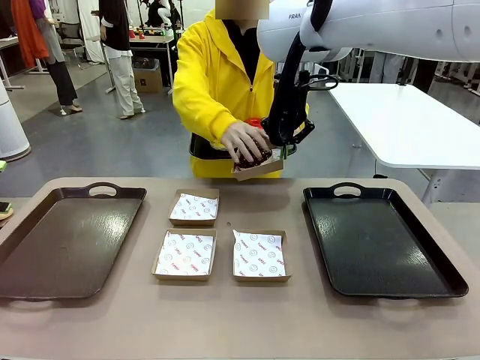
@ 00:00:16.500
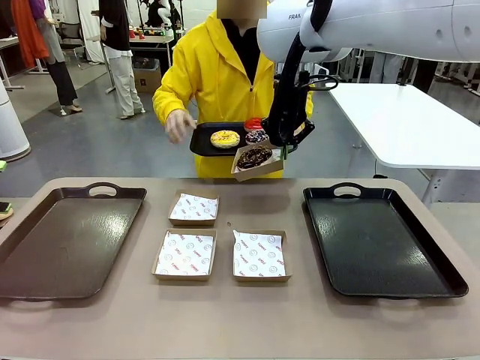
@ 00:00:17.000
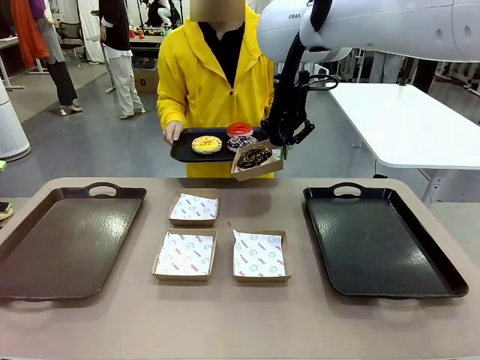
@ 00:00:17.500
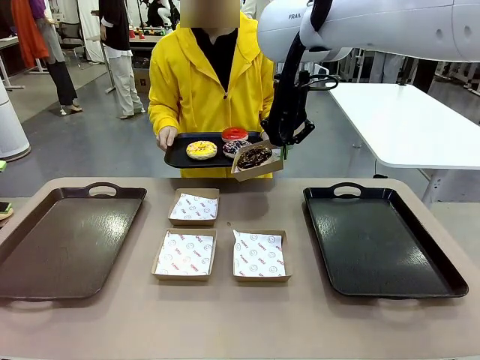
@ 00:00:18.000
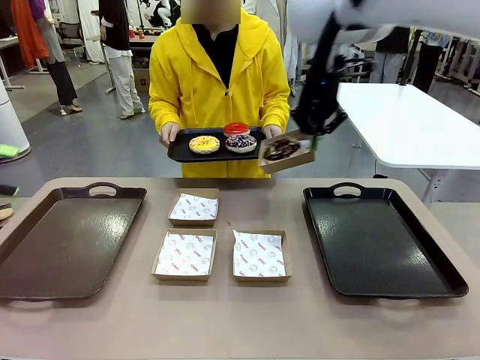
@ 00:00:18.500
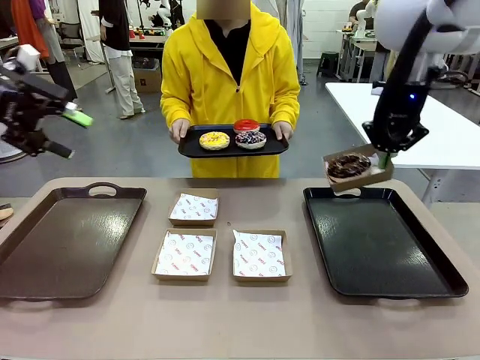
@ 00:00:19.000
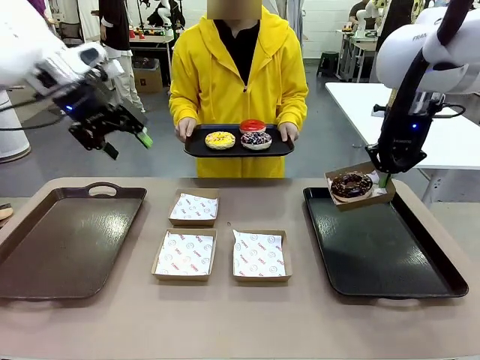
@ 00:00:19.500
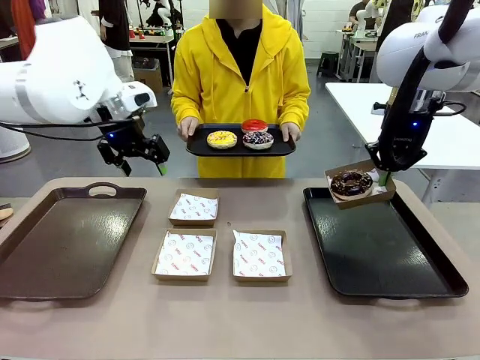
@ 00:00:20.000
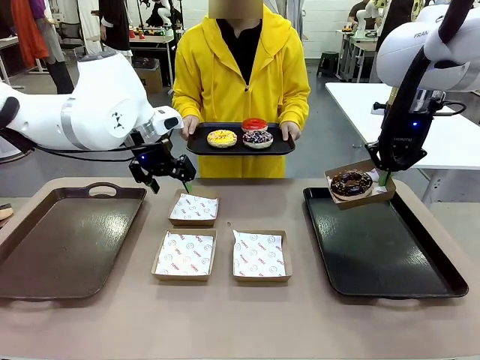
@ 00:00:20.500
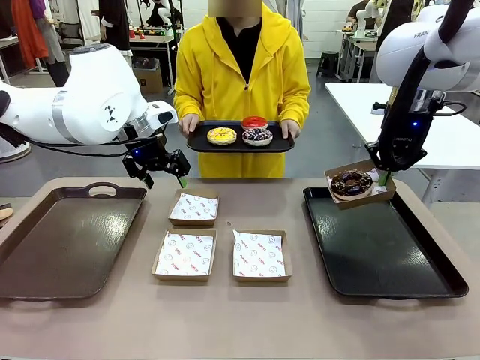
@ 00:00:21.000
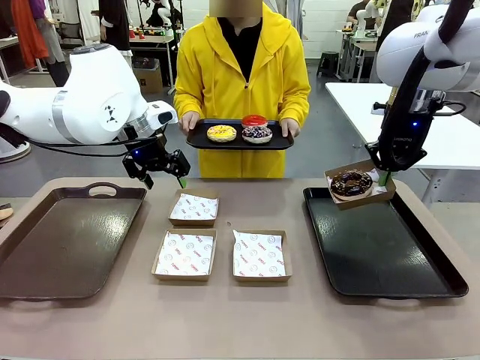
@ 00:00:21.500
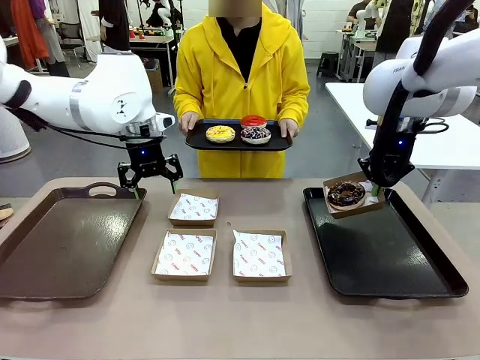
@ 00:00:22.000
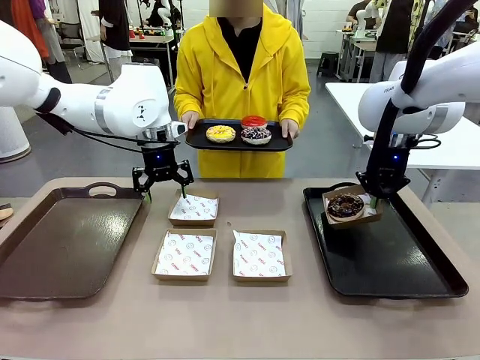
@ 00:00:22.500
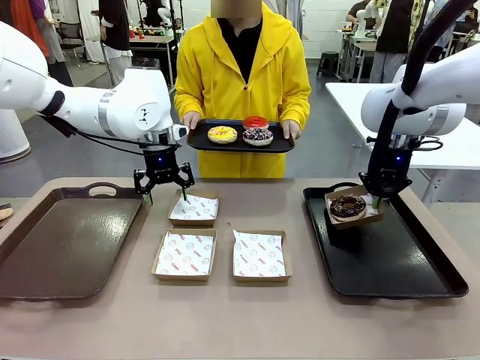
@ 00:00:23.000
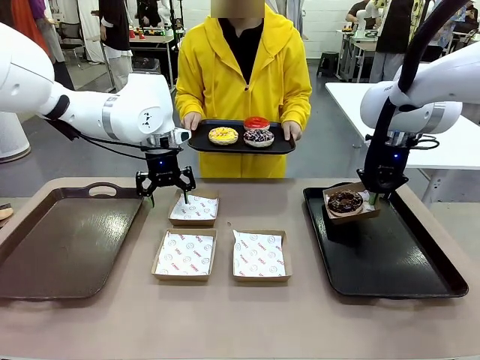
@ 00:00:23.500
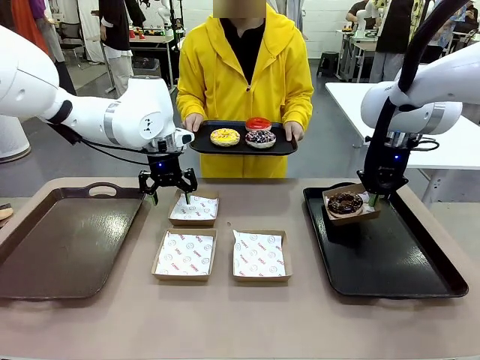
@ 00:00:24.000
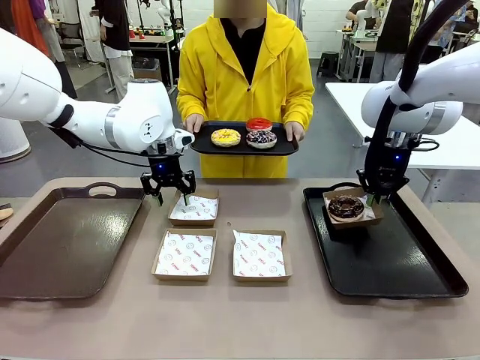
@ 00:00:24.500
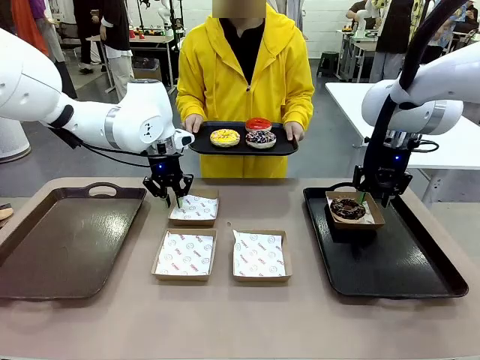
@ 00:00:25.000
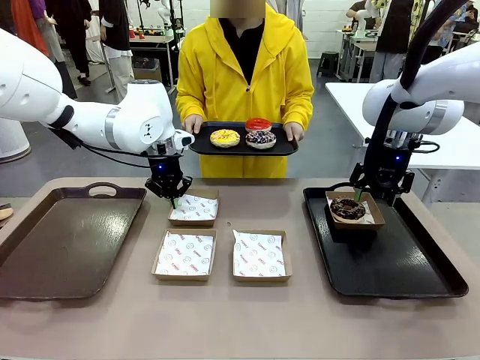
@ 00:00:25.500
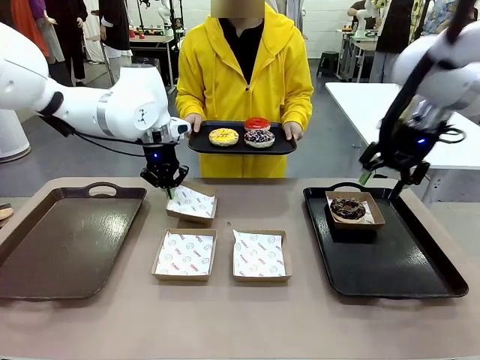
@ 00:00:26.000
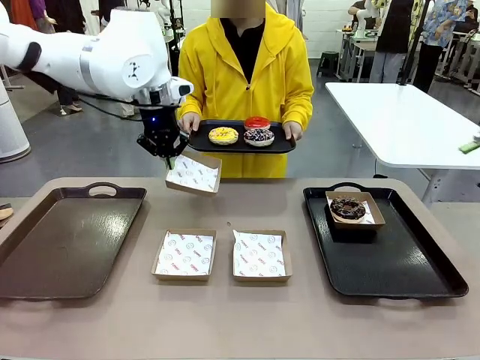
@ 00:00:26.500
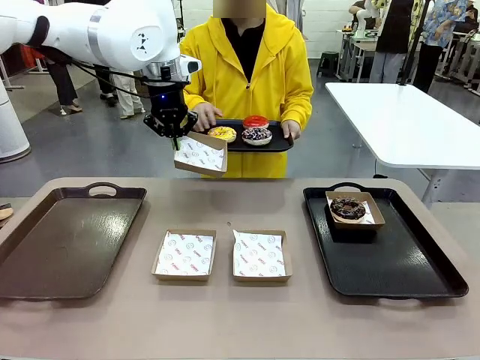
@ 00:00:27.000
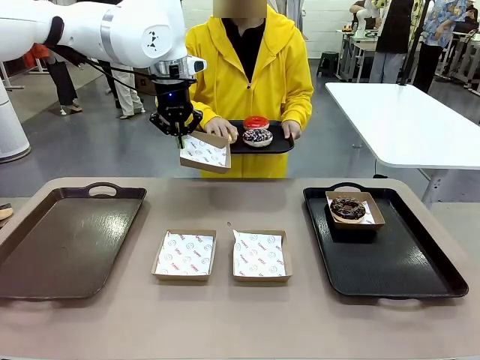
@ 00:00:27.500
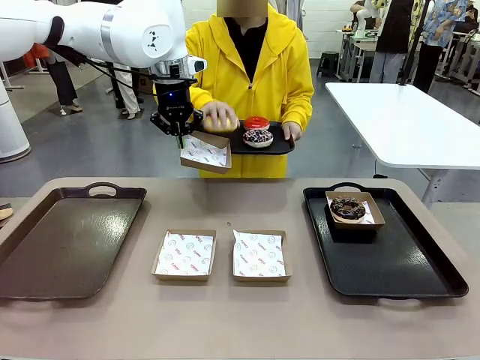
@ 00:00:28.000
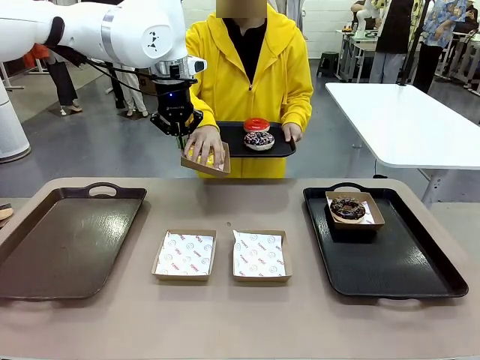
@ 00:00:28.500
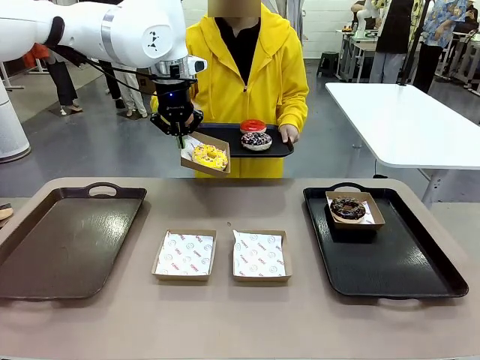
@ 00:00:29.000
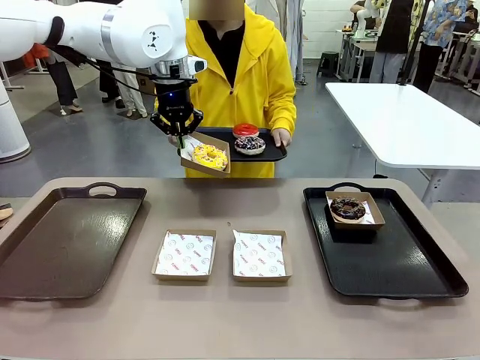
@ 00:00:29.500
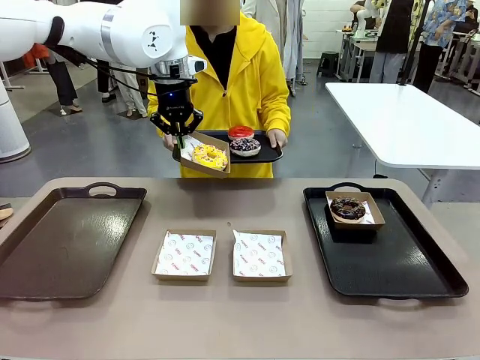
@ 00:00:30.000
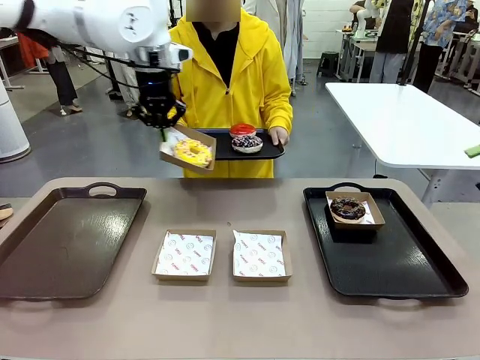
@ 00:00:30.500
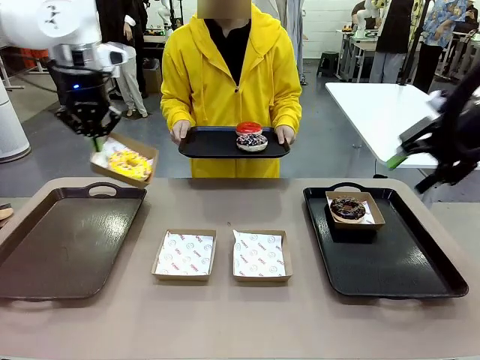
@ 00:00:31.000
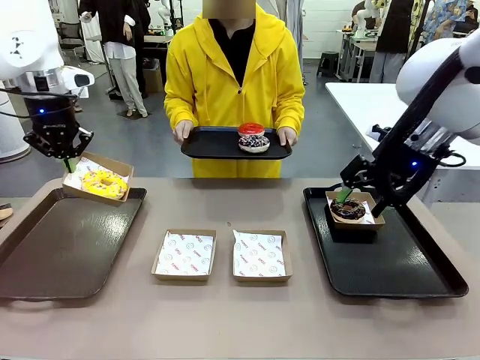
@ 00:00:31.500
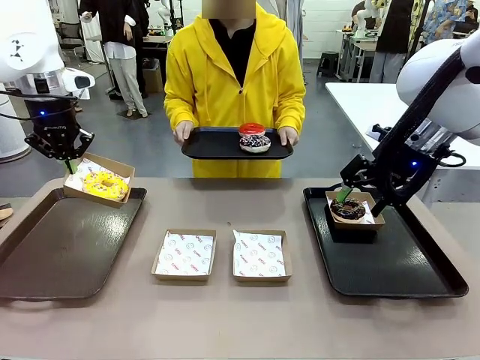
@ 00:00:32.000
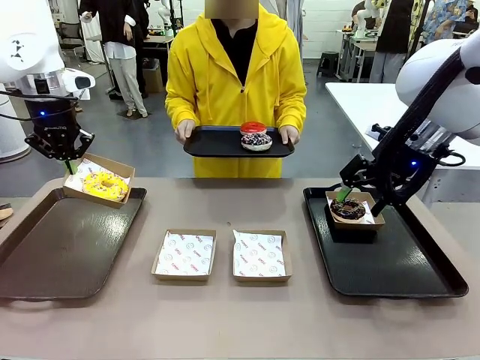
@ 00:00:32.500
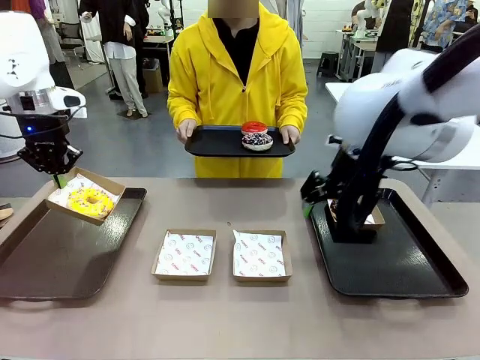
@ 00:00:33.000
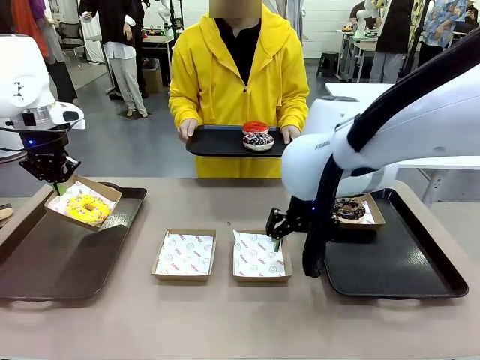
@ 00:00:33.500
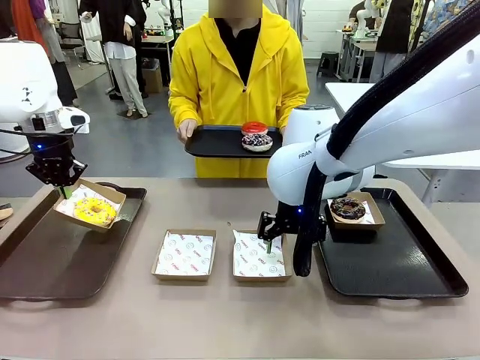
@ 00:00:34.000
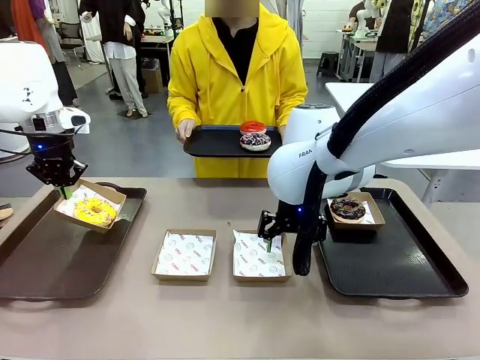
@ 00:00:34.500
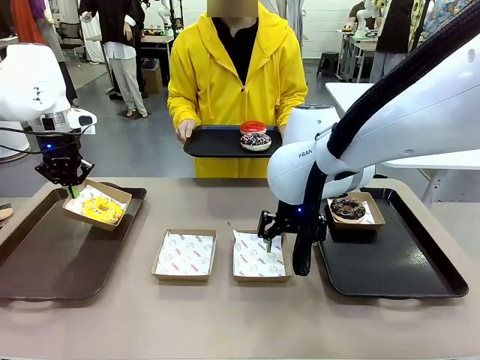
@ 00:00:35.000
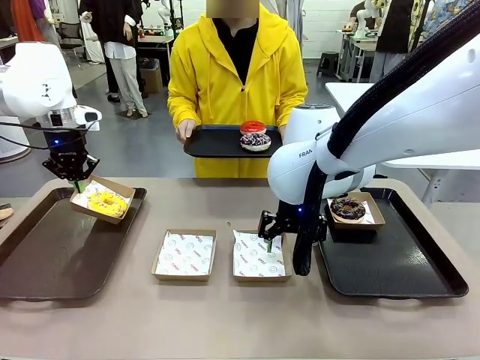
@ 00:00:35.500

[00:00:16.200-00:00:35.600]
Task: Individually package the donuts and arrange them on the tray.
Robot: Place the picked Paper togo box on the Handle tray while simultaneously picking up another Paper togo box from the table with the other hand.
